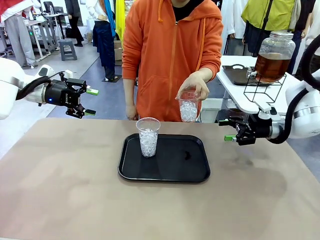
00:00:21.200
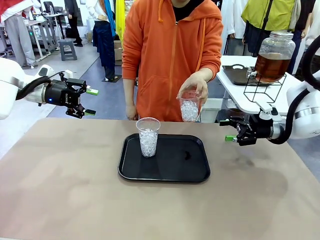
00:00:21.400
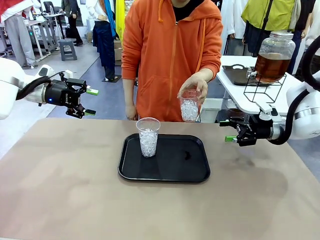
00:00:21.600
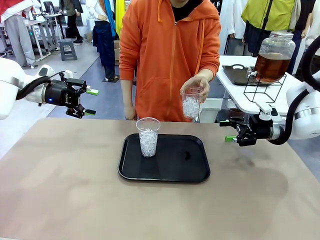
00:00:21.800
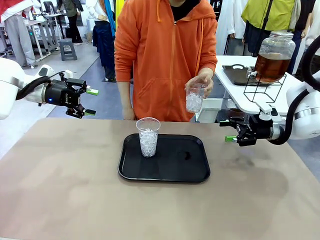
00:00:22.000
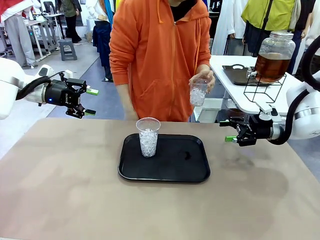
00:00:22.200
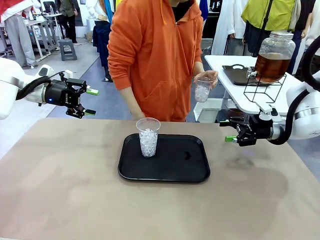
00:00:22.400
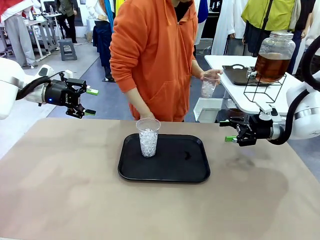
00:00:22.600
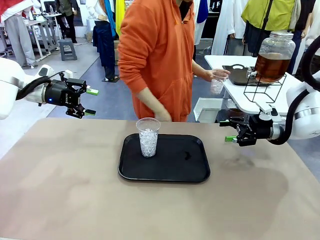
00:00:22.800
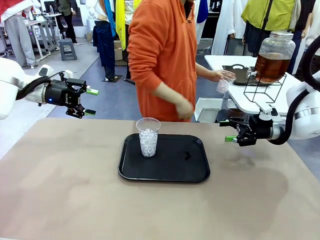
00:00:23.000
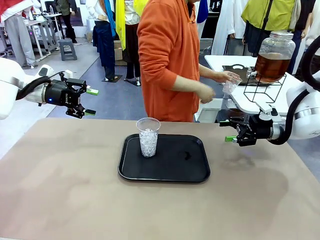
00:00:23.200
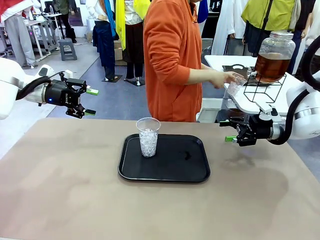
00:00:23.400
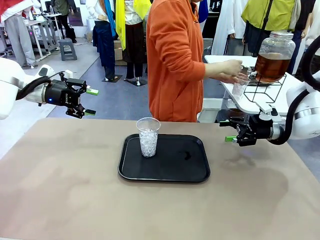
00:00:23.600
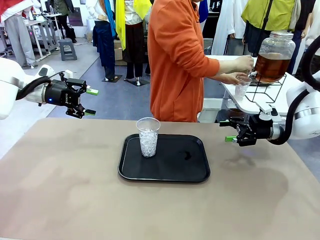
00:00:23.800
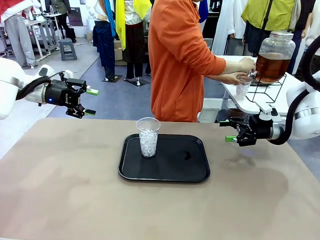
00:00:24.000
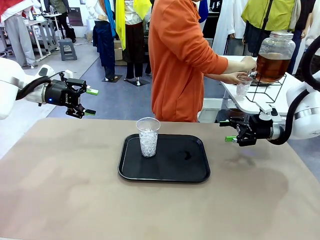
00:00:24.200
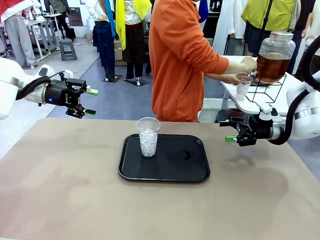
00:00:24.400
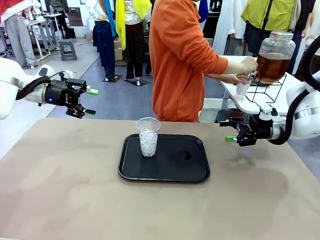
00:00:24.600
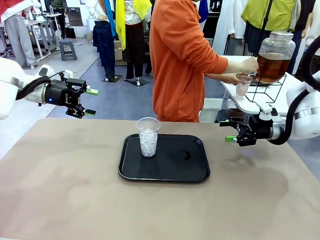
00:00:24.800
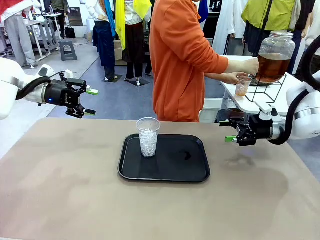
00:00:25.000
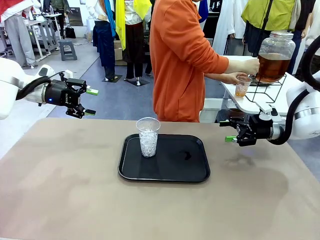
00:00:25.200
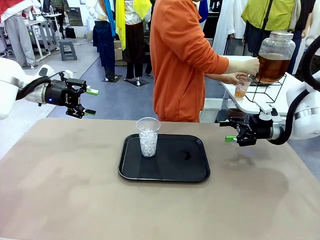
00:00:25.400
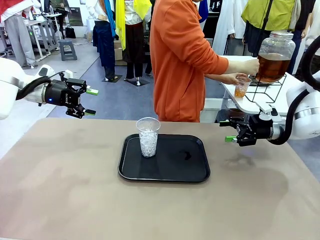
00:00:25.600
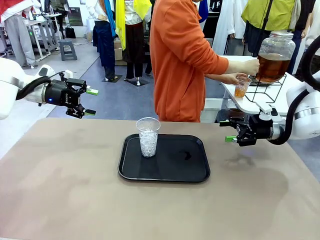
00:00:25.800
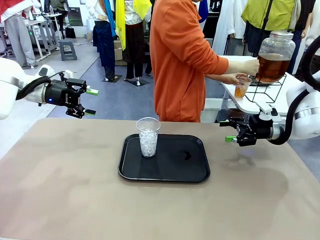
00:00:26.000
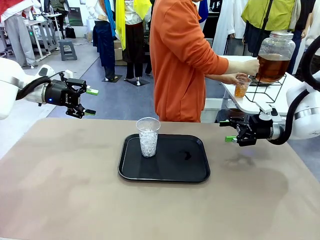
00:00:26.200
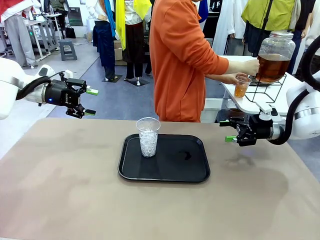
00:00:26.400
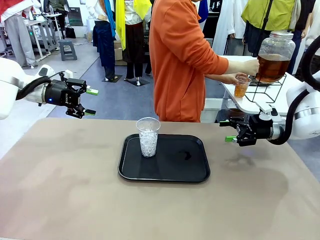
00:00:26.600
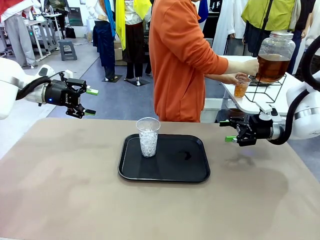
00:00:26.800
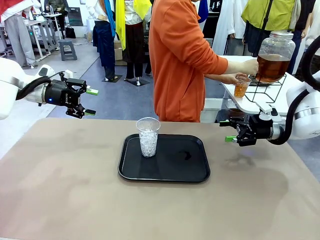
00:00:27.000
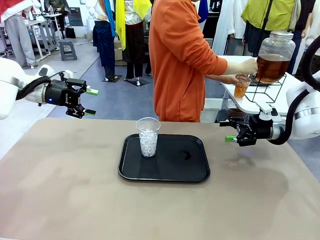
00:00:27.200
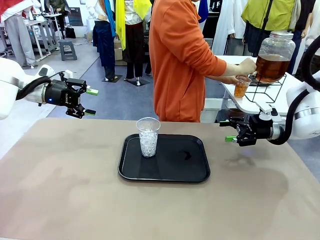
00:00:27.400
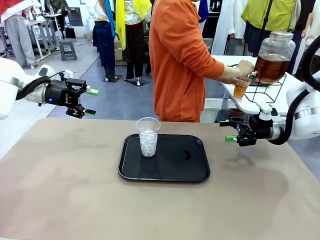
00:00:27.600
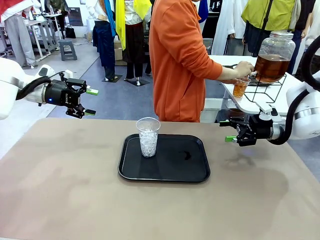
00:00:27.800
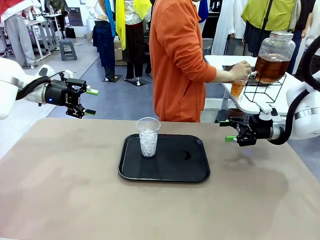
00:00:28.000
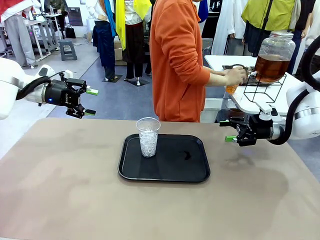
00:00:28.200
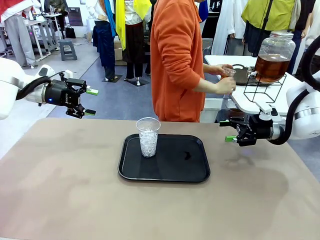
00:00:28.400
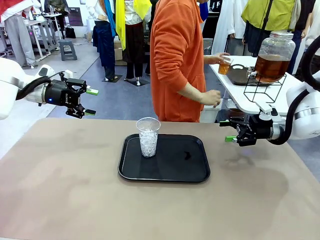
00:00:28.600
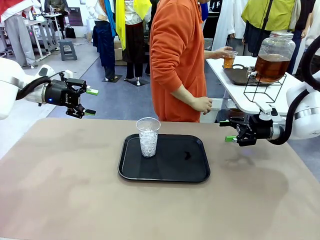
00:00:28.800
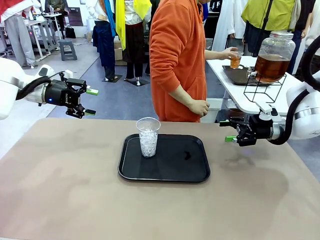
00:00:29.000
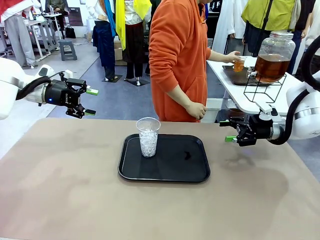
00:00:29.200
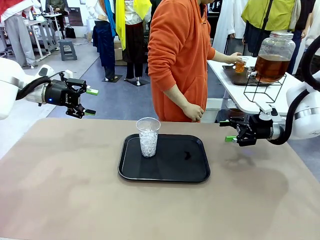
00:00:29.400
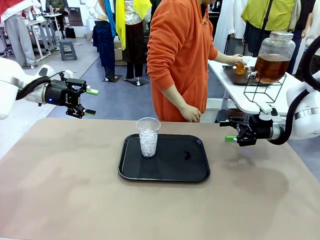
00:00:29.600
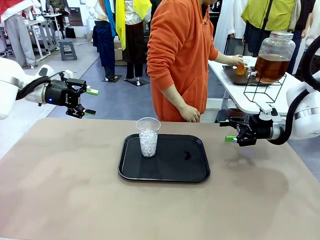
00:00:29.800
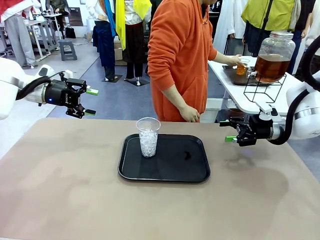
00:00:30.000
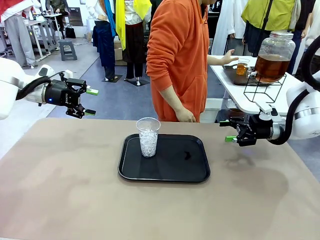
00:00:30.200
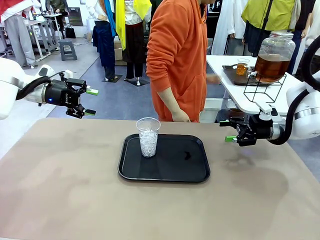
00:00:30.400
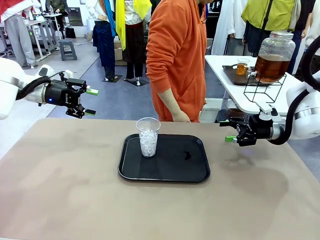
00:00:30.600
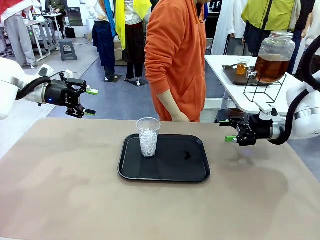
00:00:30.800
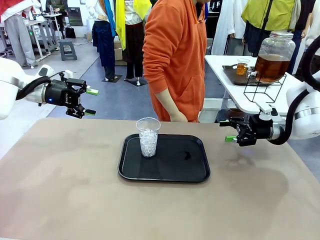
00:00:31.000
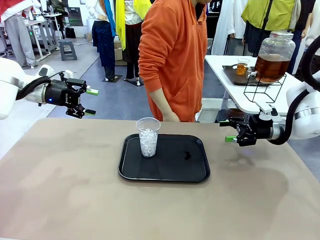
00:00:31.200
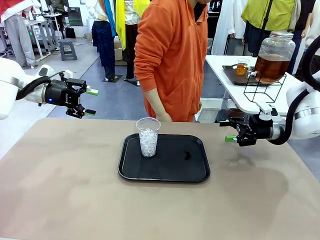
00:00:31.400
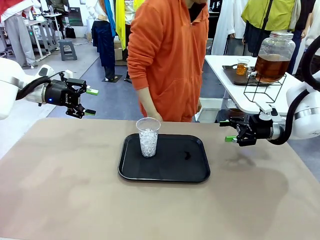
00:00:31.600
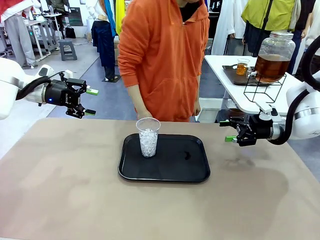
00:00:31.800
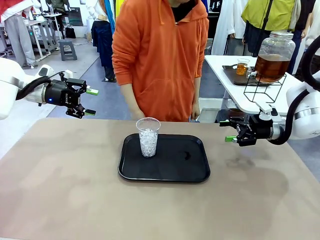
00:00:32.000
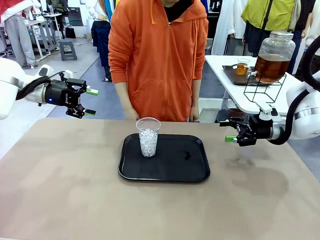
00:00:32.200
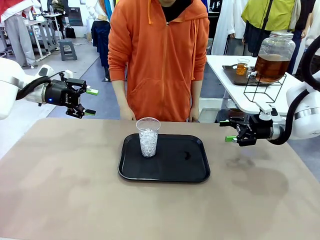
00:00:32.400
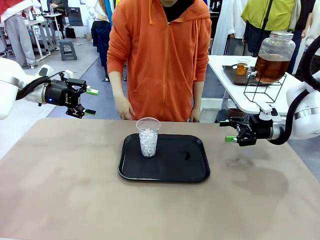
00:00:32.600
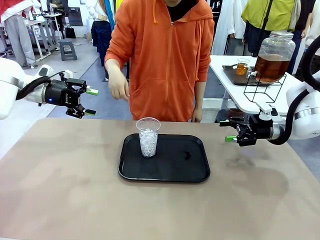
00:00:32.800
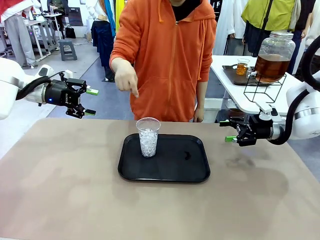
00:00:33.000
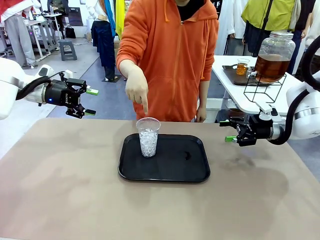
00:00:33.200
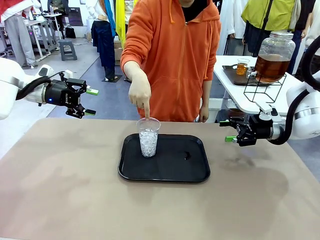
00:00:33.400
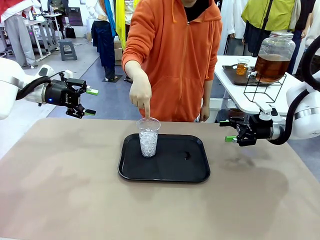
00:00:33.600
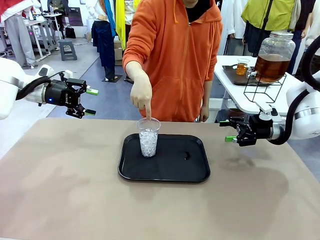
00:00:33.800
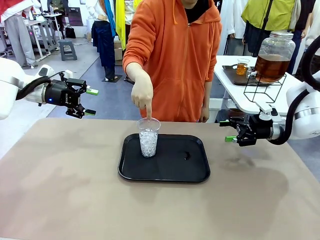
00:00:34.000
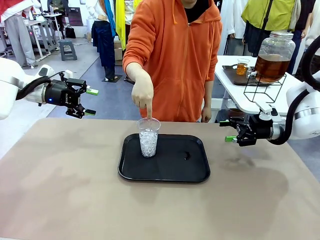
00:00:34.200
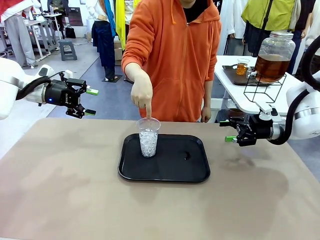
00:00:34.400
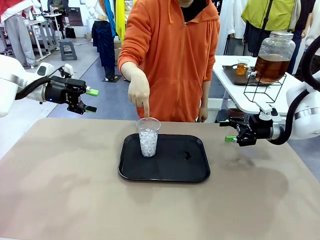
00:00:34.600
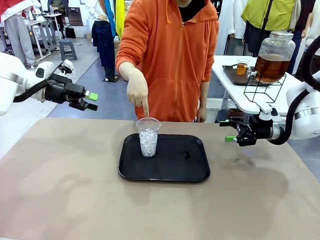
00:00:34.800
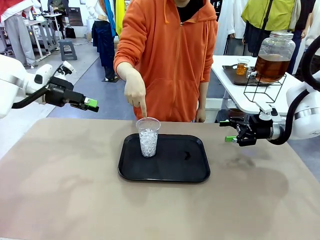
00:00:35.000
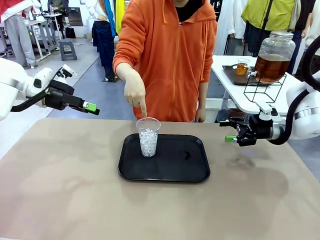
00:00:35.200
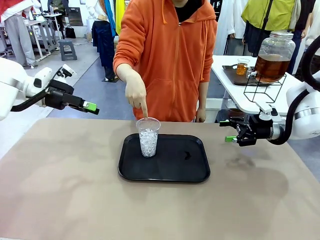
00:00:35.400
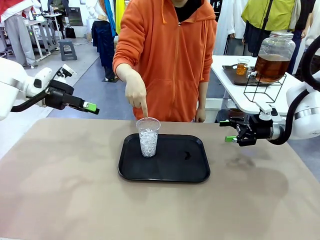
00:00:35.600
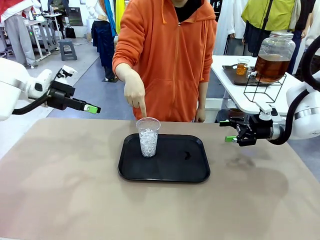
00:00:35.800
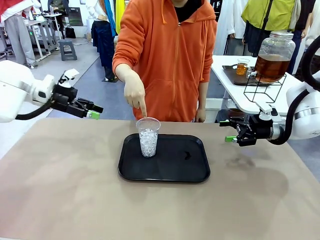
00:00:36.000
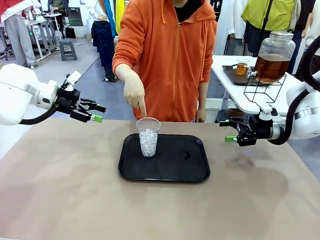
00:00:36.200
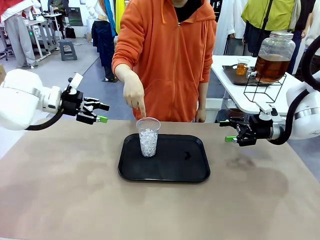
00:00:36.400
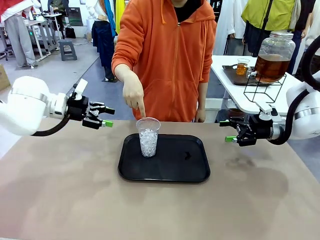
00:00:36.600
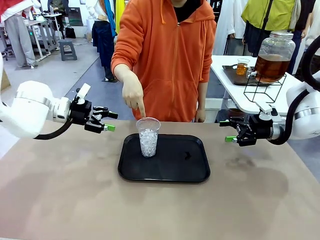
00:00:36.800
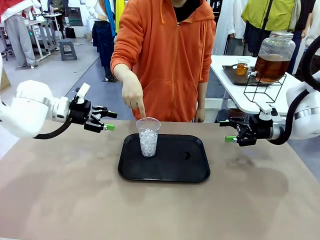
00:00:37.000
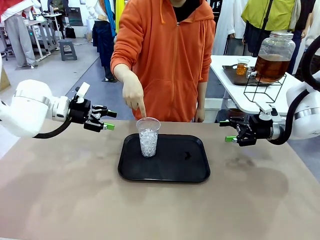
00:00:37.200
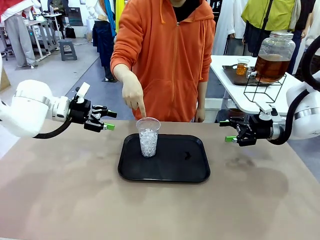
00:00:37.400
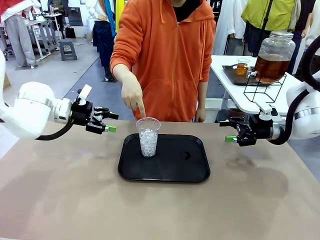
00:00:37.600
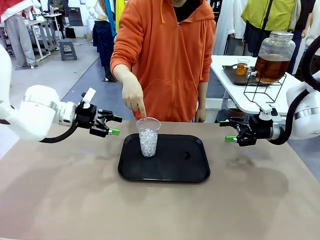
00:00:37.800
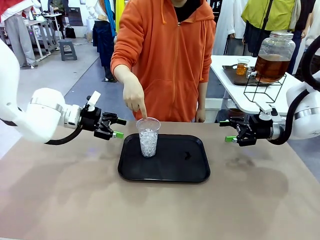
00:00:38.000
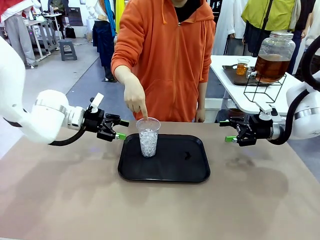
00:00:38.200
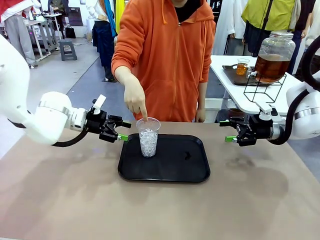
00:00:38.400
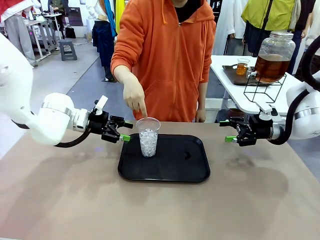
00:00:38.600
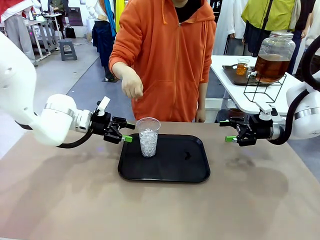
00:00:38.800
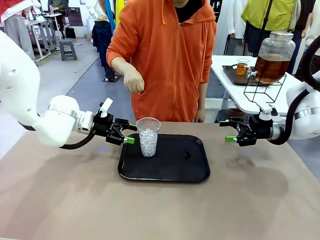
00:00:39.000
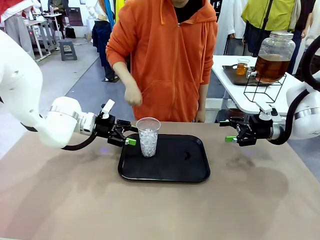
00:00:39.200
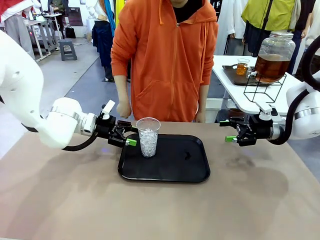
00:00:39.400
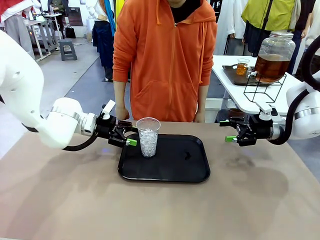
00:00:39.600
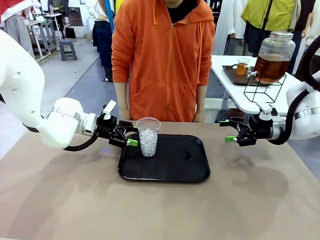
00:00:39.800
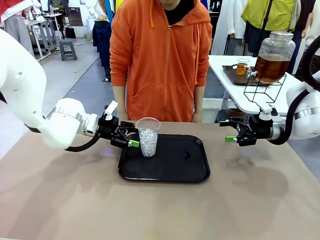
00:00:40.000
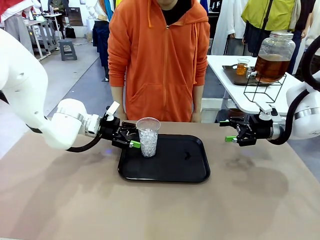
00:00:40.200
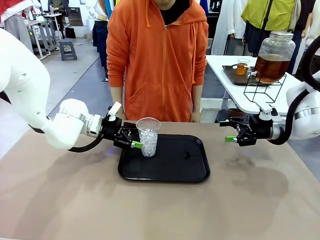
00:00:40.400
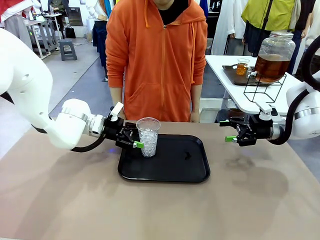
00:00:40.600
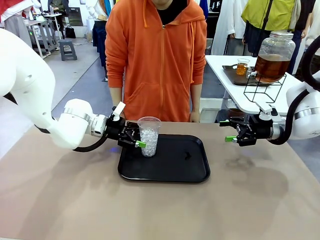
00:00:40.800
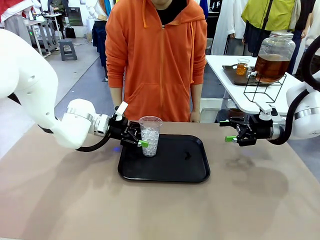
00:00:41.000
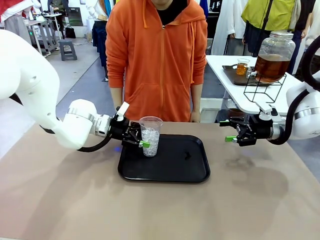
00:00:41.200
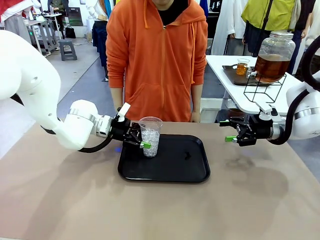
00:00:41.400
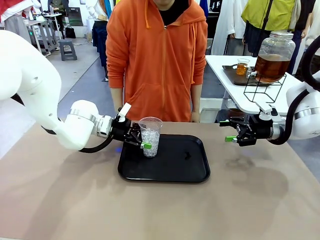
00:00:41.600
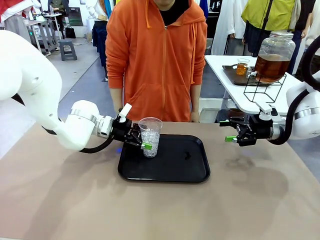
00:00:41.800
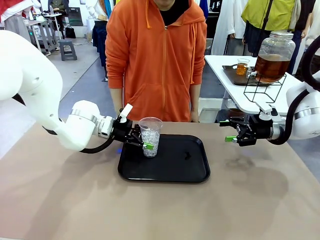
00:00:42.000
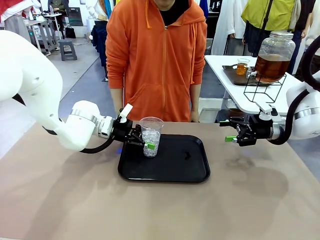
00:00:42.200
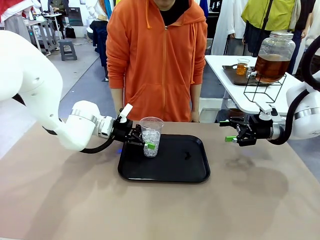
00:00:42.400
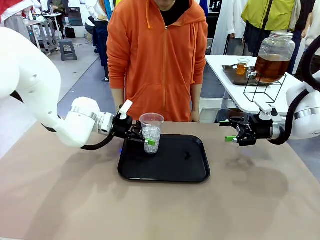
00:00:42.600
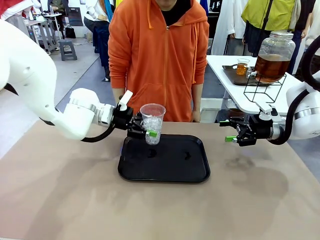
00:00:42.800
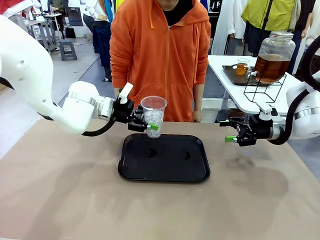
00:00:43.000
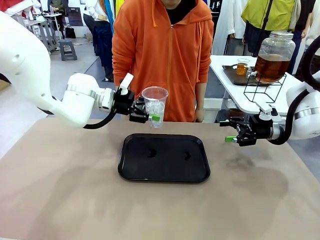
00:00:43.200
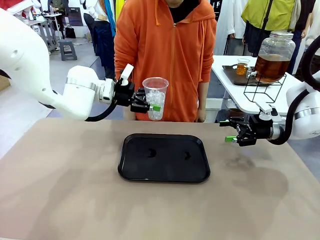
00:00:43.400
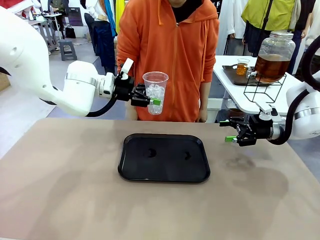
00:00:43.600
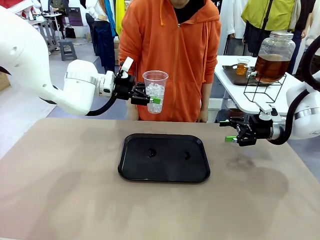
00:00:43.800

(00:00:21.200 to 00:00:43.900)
Task: Pour the drink into the iced cup.
Robot: Pick up the iced cup indicated by the human and present it to them.
Person: Move the picked-up cup under the dispenser faucet, pour the drink, and place it on the tray on the human table. Point to the remaining ice cup on the robot table. Pick up the cup offered by the robot.
